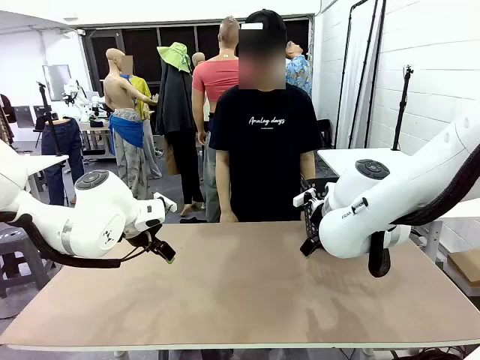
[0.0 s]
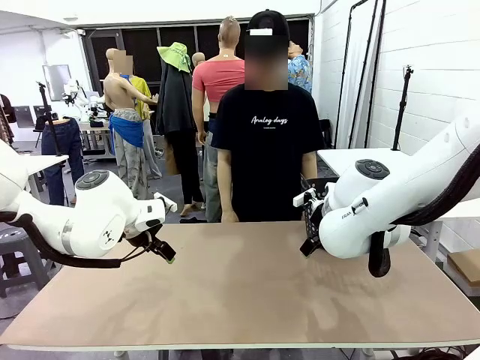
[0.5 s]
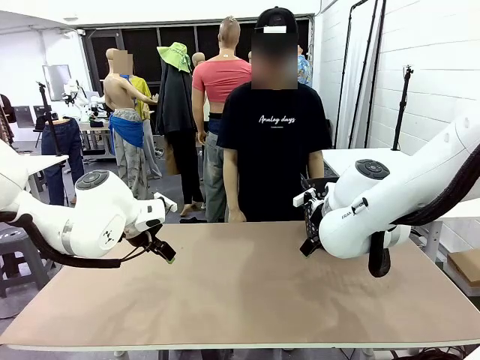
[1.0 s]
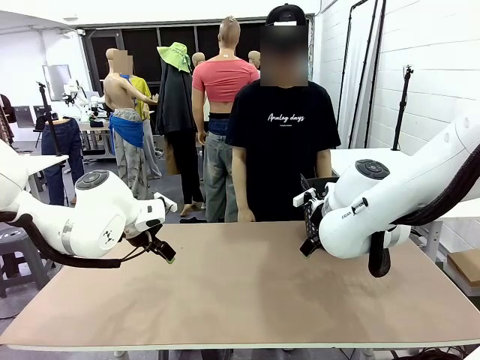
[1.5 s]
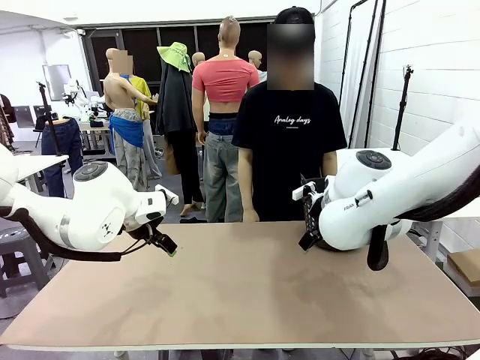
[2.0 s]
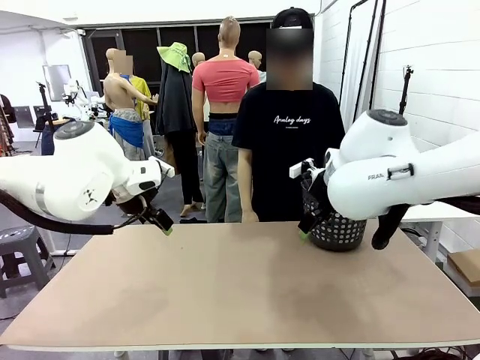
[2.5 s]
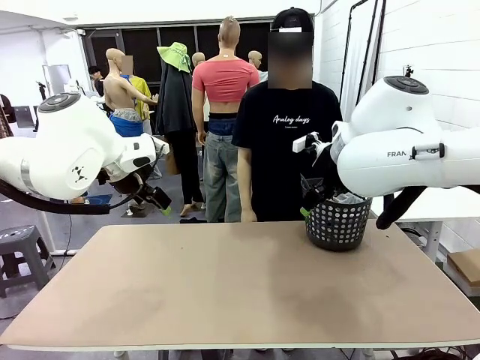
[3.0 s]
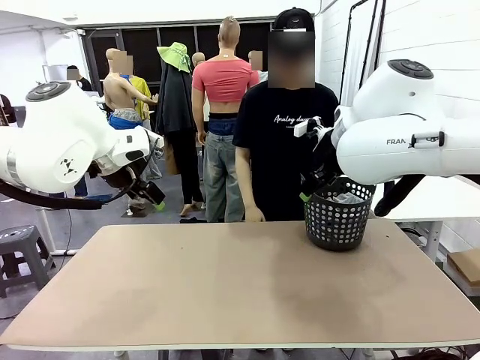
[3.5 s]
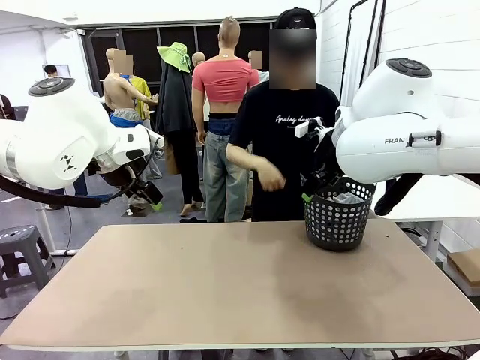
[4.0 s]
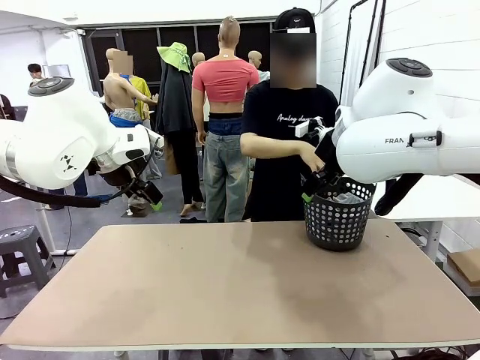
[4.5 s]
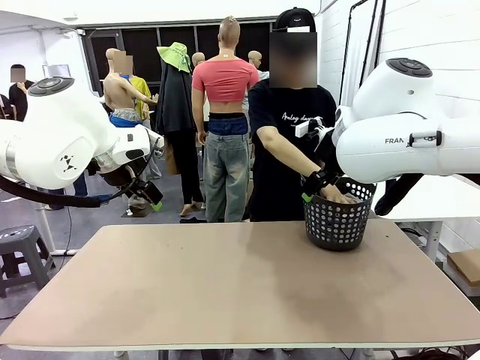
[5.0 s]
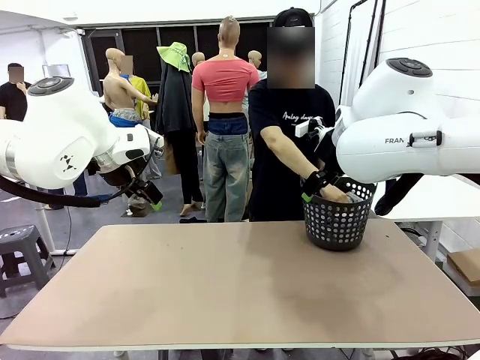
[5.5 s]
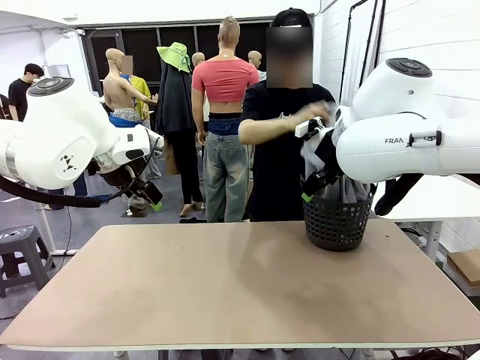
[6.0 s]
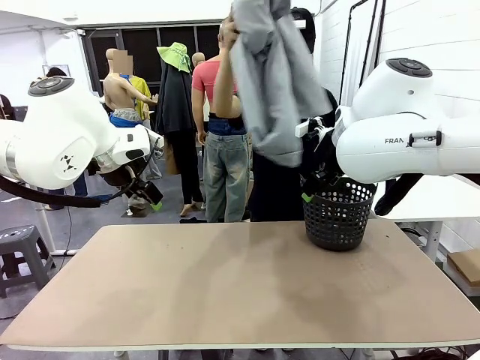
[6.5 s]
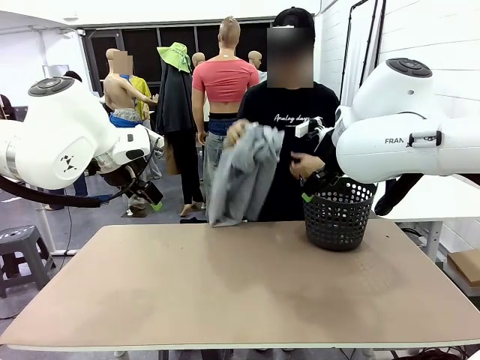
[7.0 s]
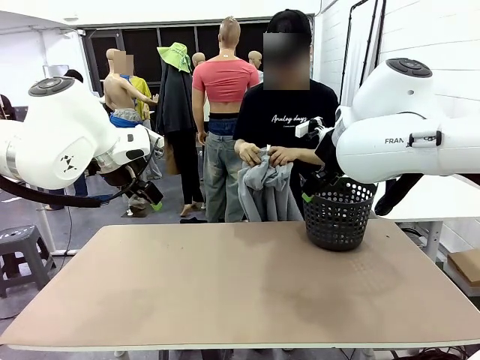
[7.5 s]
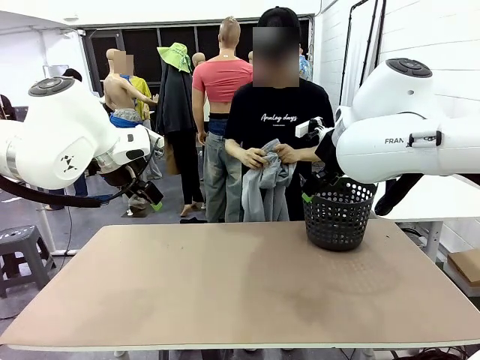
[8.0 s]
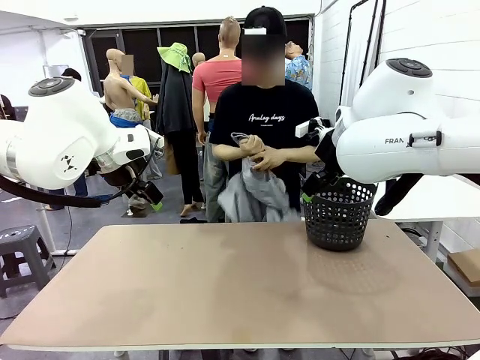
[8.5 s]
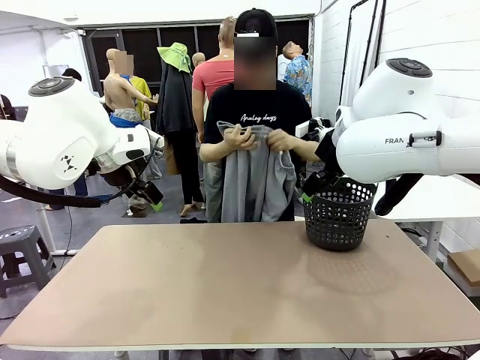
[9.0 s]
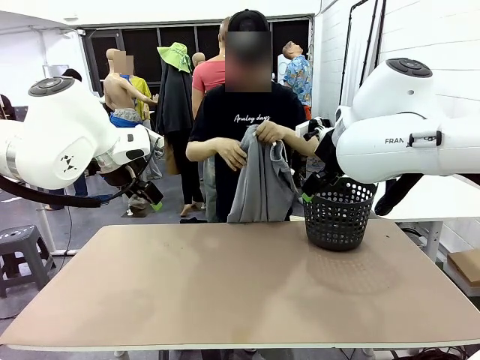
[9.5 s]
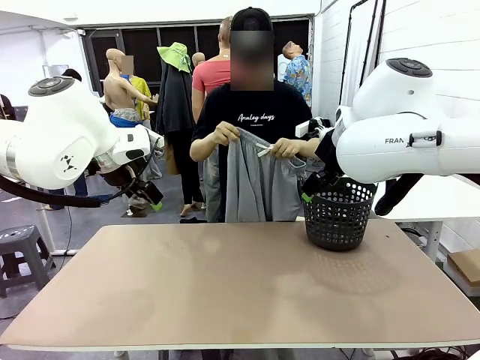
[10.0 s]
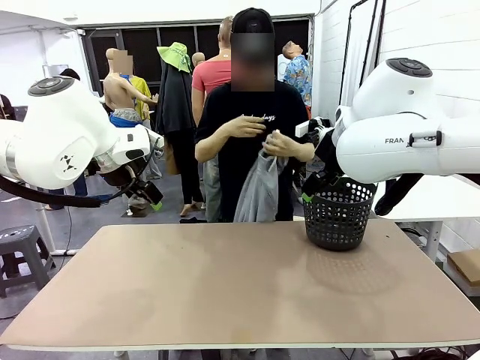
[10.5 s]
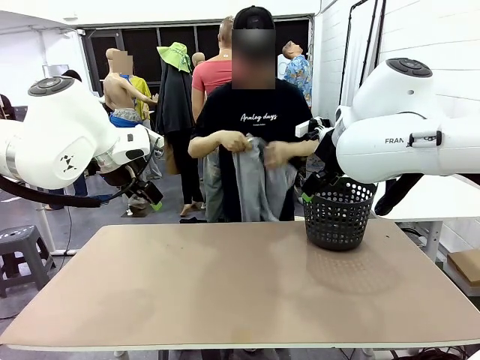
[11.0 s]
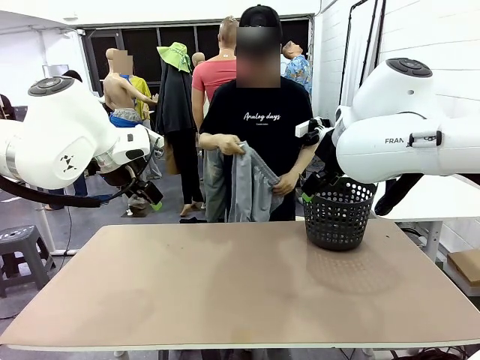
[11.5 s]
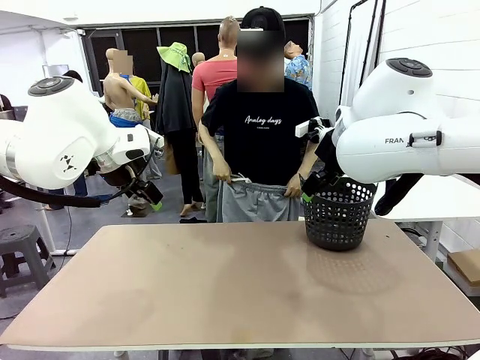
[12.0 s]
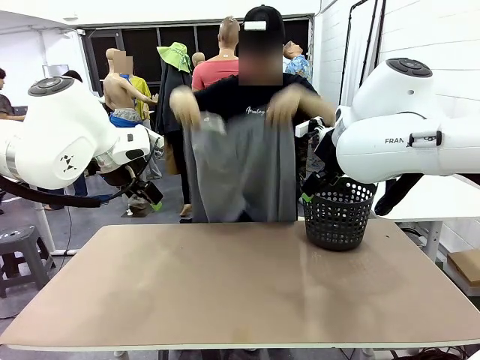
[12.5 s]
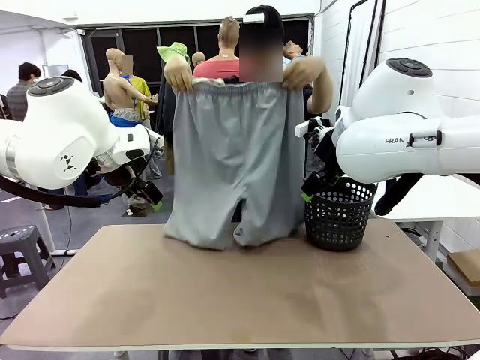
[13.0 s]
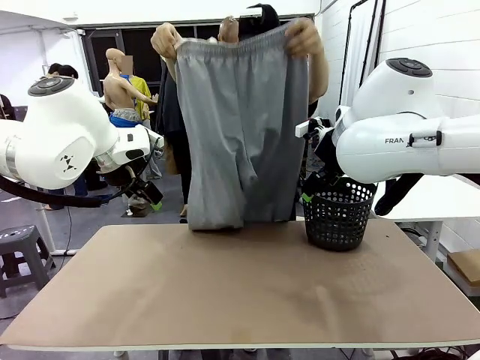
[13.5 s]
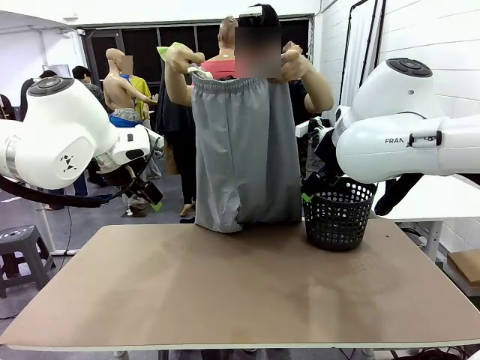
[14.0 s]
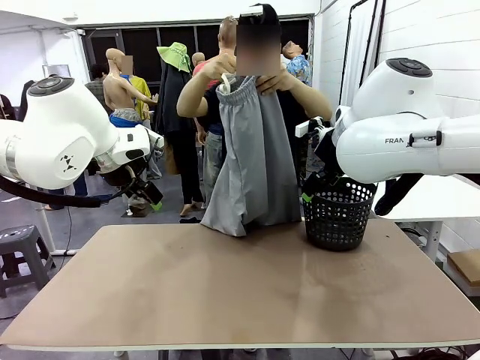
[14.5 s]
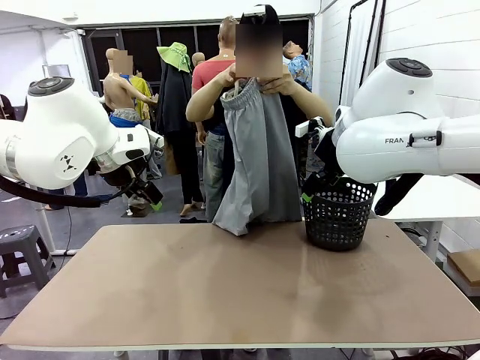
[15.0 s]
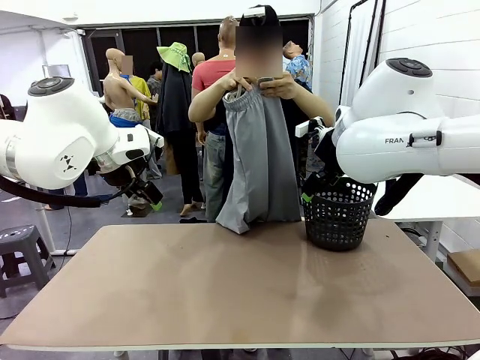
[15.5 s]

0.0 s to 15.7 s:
Task: Fold the training pants.
Robot: Grab both ends of the Training pants handed by a person.
Person: Take the long pants out of the laundry basket, unfold them, fold the waist in half, and extend them so the robot can pick up both corners.

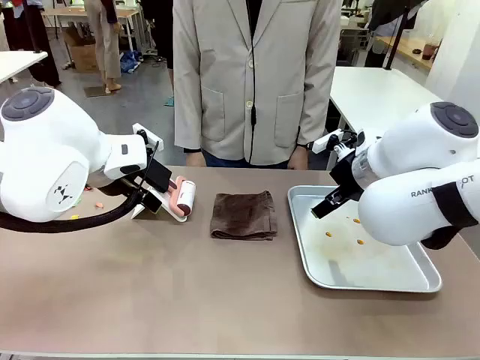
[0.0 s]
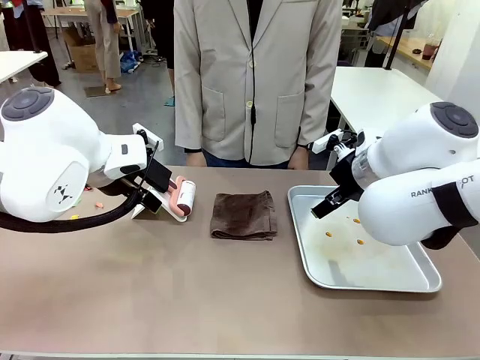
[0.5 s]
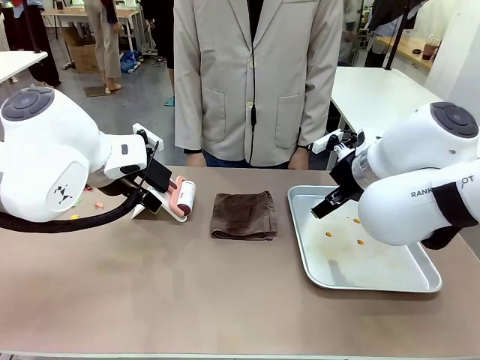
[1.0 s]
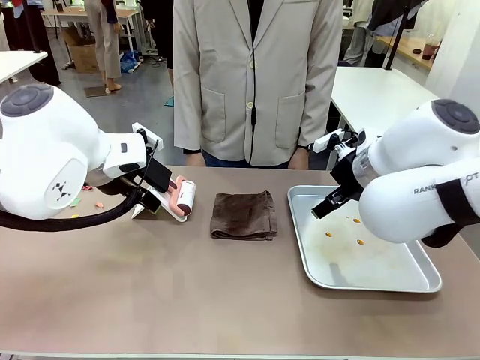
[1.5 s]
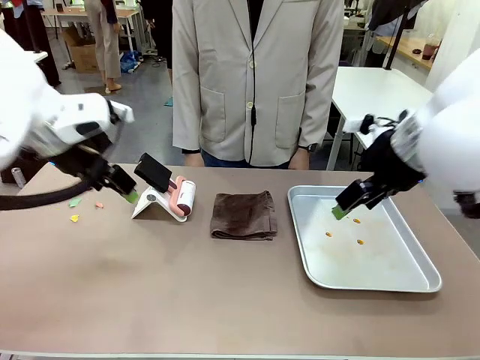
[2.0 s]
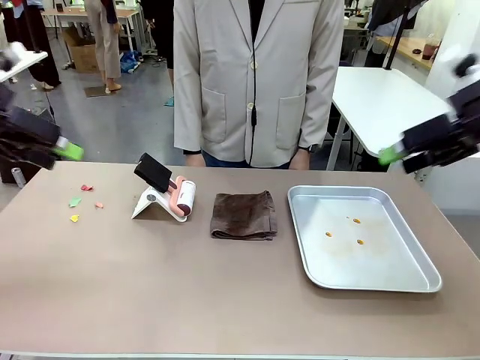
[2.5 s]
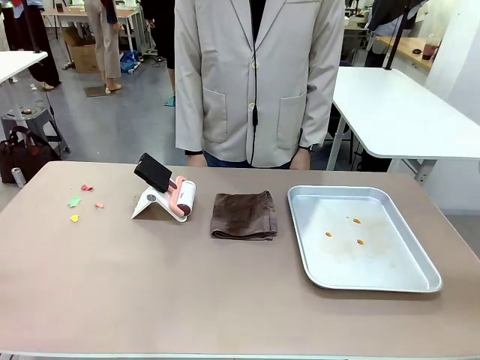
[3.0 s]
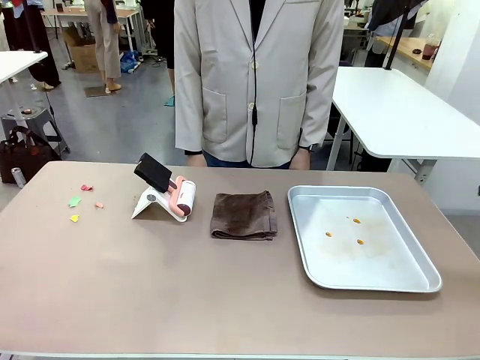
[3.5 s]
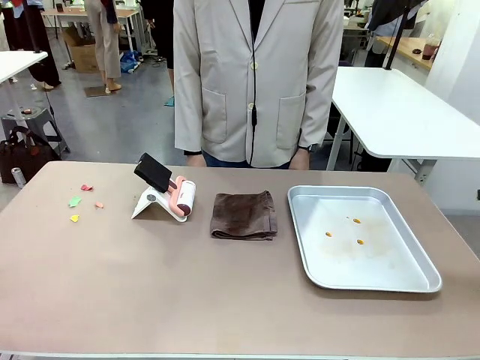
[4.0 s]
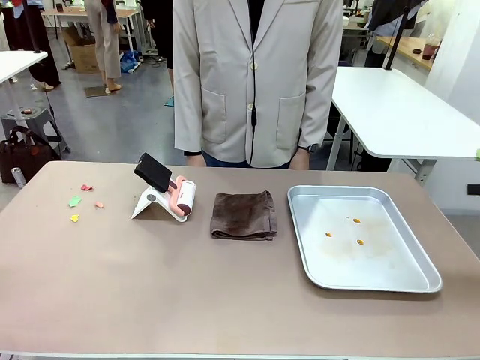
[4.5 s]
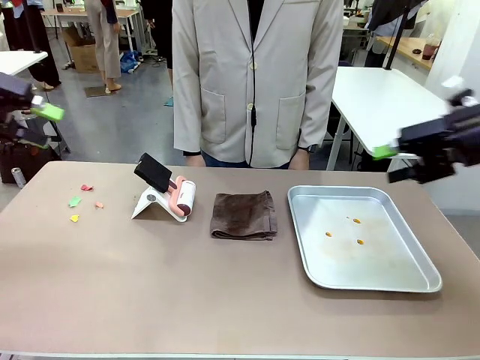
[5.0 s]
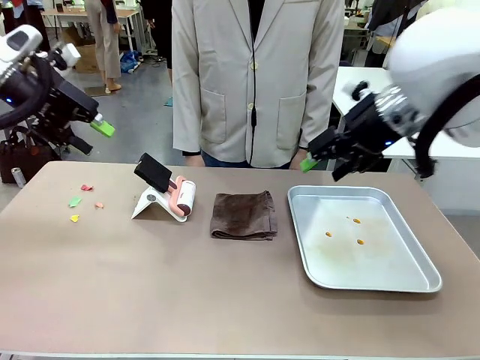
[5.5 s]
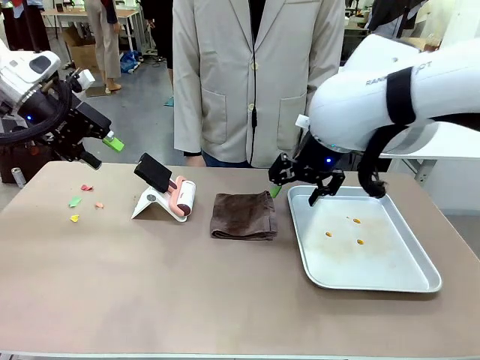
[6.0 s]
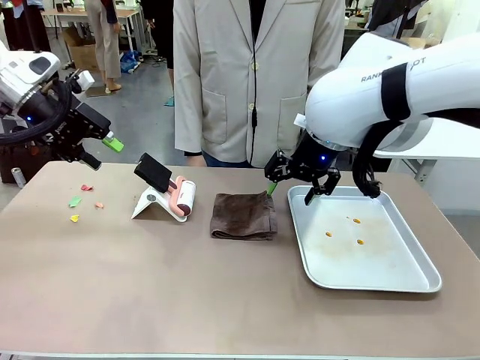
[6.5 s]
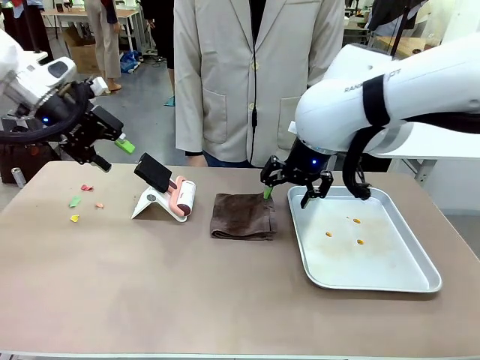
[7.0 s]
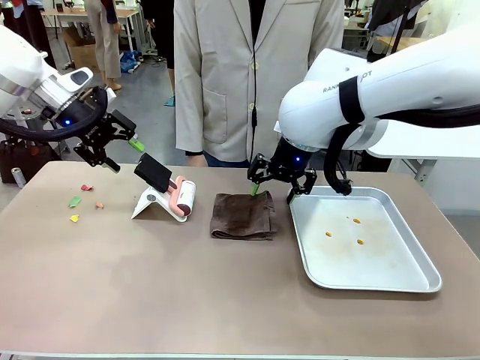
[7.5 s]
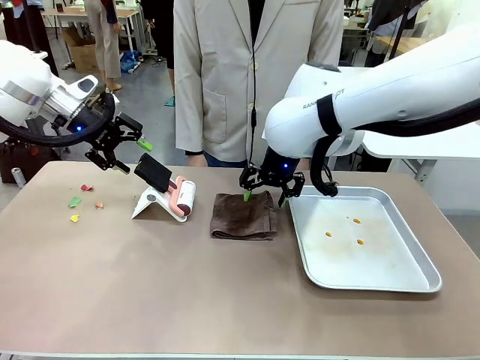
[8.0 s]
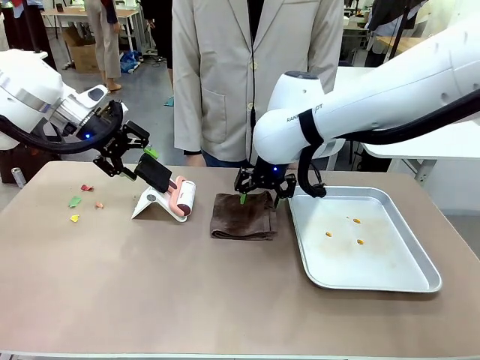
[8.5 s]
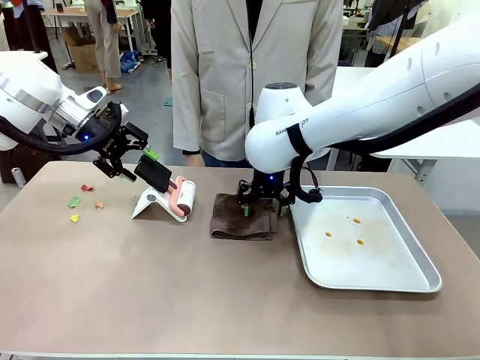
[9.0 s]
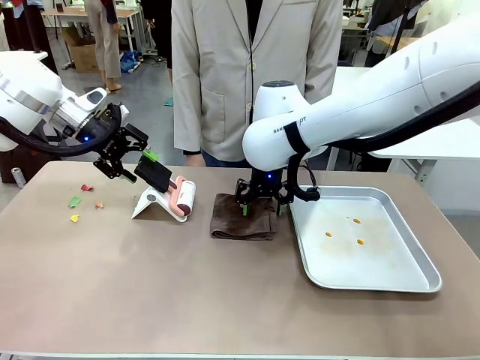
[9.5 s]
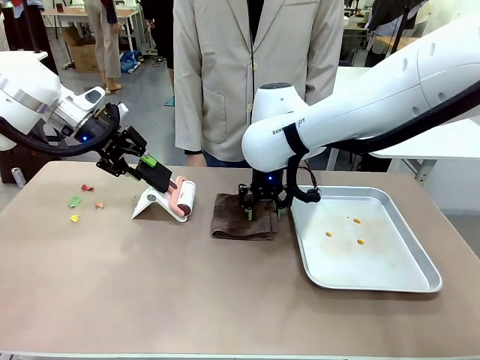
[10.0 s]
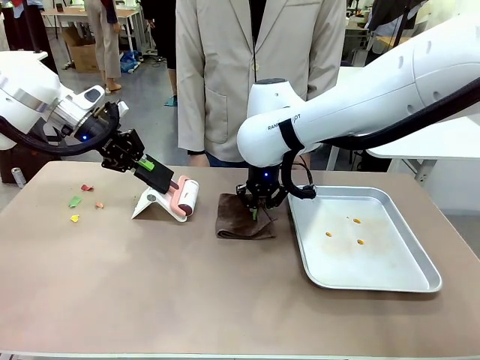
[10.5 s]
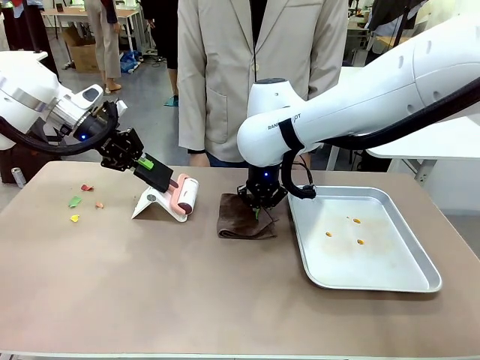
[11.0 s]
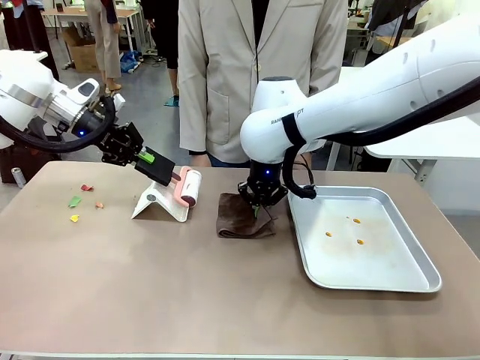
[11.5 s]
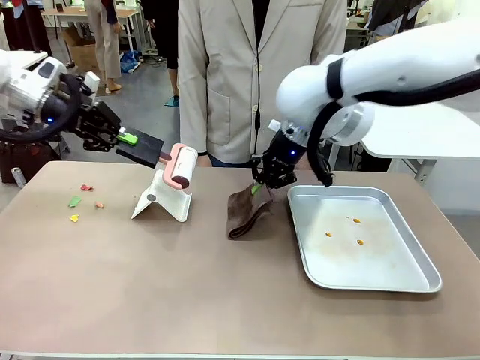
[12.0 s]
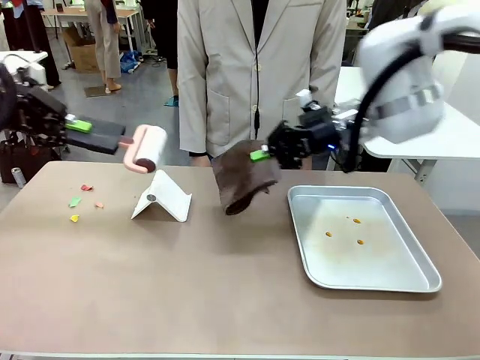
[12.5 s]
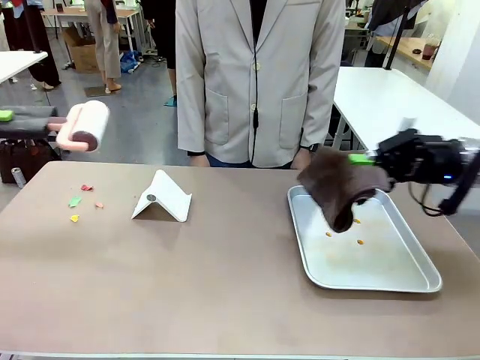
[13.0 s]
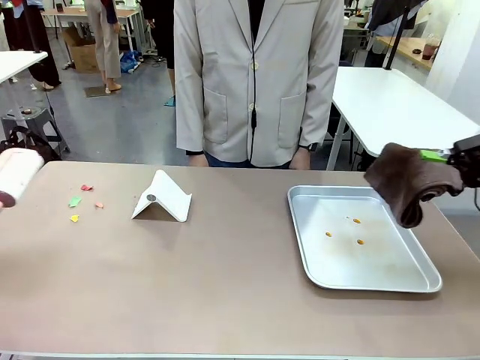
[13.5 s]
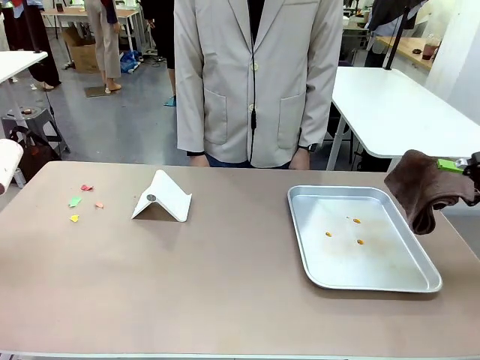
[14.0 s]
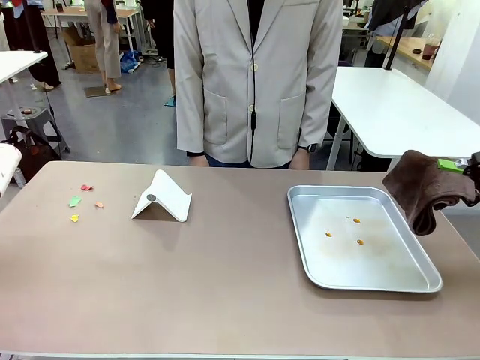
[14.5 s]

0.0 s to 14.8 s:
Task: Clean the surface of the table.
Robot: Hold the Lint Roller with your left hand and the towel with your right hand.
